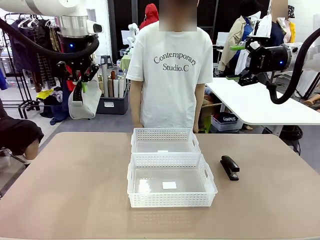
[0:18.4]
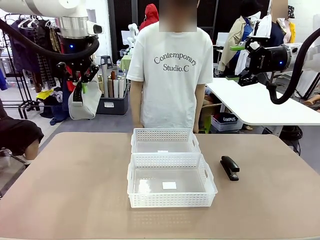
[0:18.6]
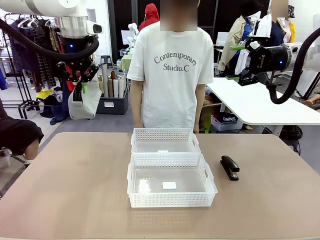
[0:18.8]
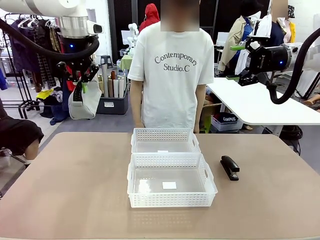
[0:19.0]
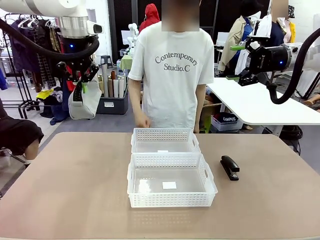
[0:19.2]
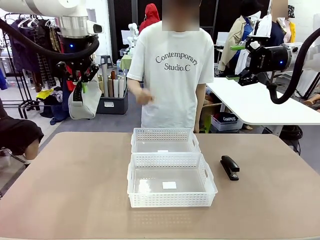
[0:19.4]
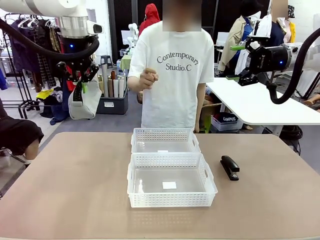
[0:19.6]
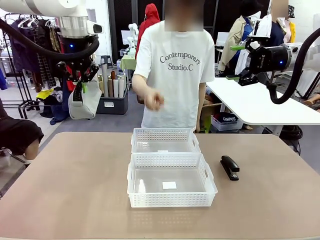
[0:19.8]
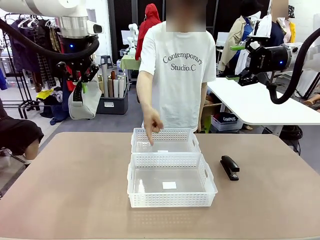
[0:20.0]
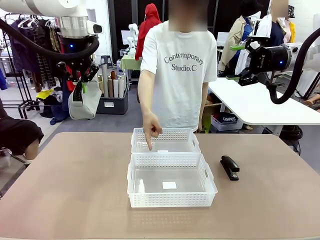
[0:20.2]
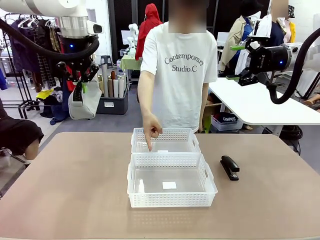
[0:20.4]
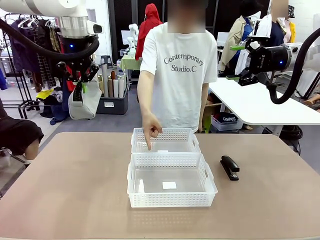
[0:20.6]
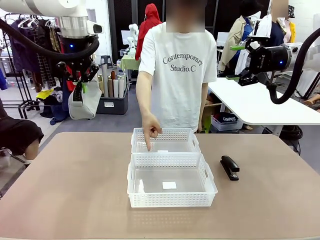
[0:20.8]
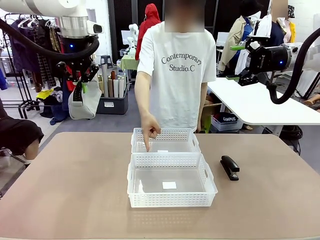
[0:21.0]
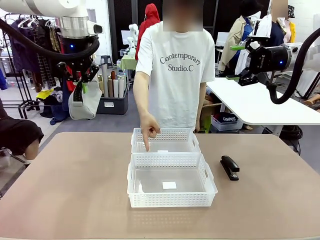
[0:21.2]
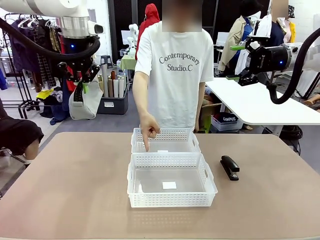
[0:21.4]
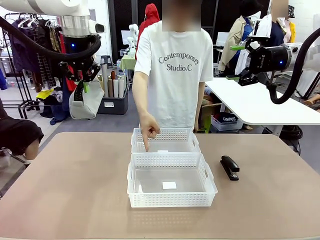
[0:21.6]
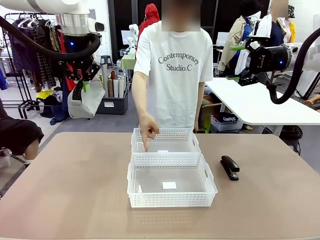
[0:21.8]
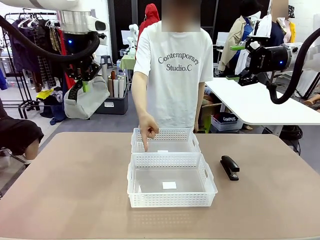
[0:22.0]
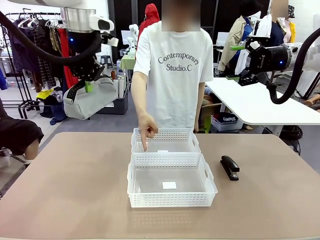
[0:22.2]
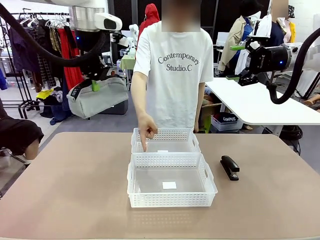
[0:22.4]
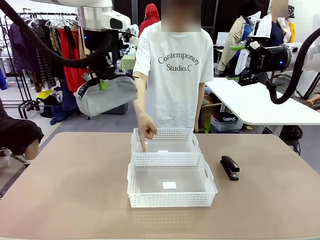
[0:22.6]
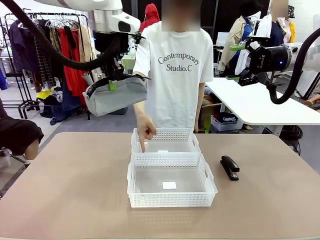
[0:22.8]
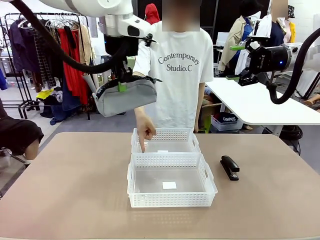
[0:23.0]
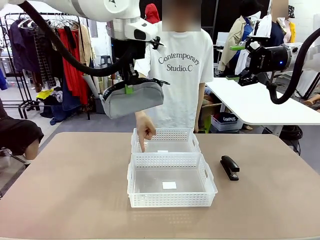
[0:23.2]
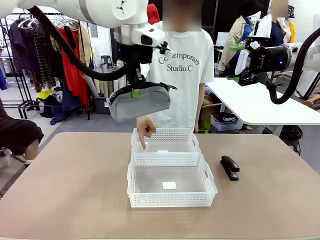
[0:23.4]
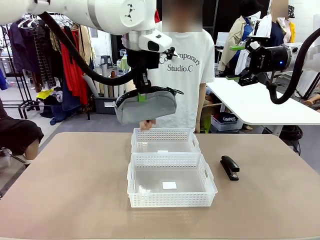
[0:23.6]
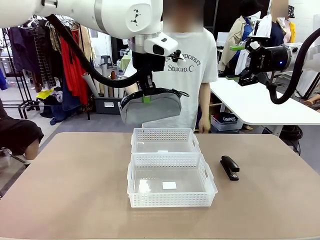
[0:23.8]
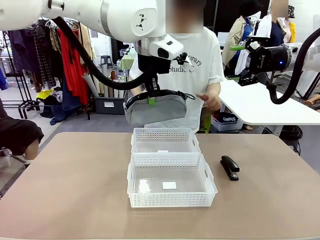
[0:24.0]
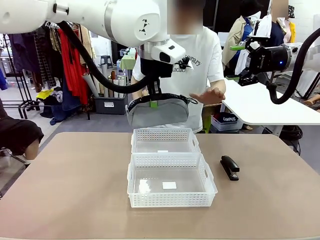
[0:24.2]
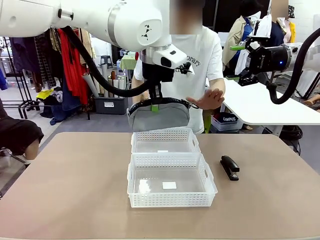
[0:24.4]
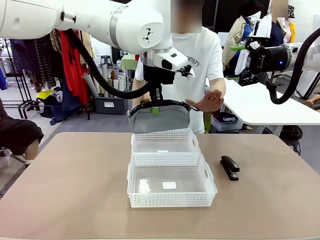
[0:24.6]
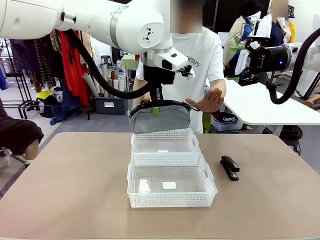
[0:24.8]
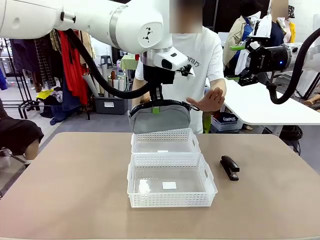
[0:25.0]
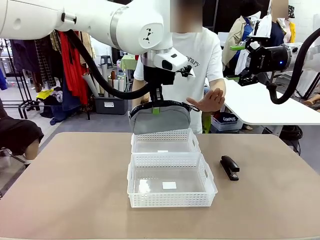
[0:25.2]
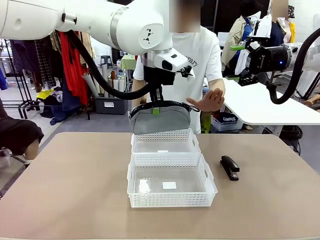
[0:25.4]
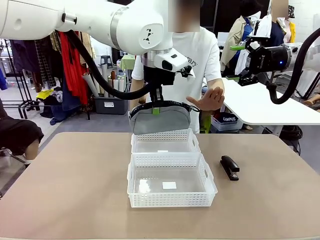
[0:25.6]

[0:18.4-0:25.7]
Task: Distribute items into two baskets.
Robot: Move the picked Pencil pouch towards the Organizing basket indicated by the person, stopping as directed.
Person: Sends a stop gesture before the robot places the pencil case into the basket.

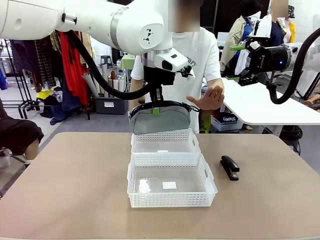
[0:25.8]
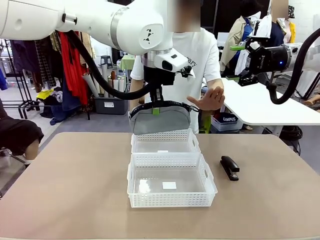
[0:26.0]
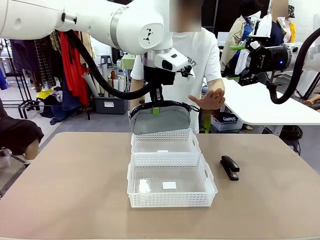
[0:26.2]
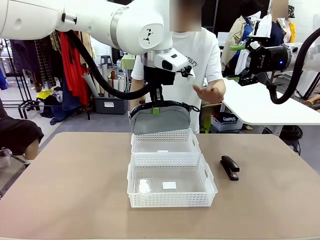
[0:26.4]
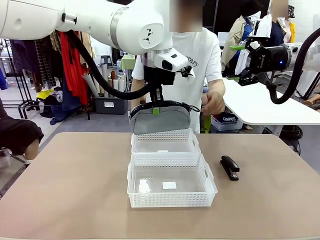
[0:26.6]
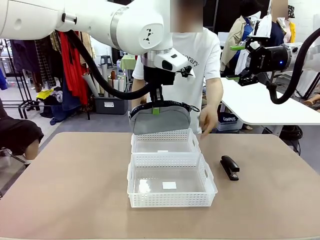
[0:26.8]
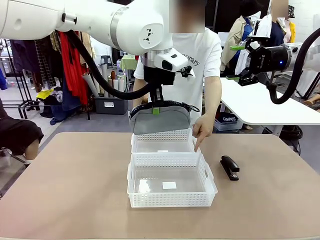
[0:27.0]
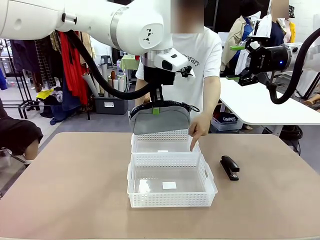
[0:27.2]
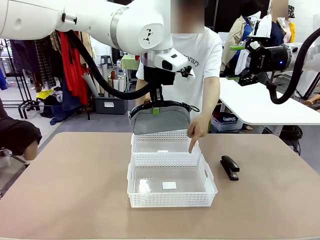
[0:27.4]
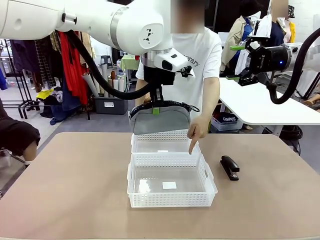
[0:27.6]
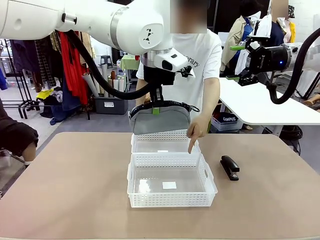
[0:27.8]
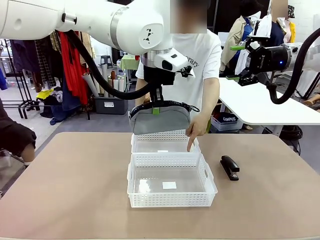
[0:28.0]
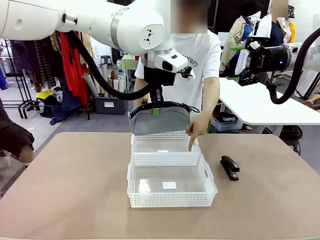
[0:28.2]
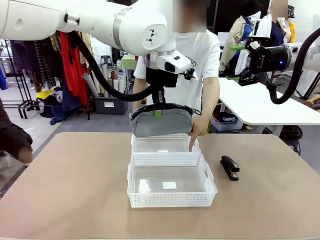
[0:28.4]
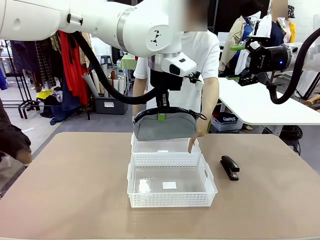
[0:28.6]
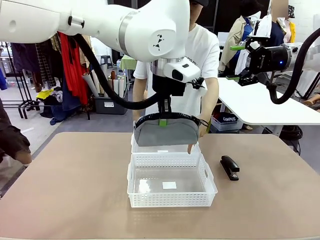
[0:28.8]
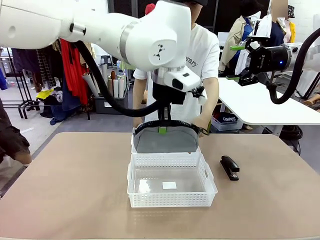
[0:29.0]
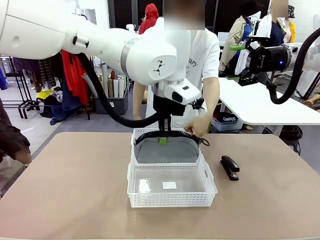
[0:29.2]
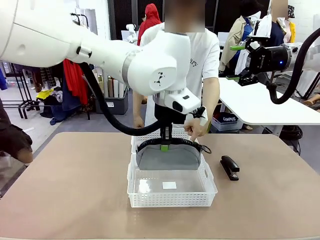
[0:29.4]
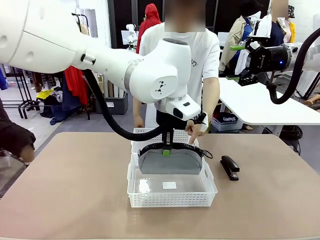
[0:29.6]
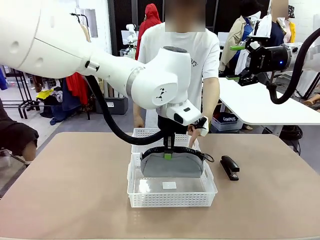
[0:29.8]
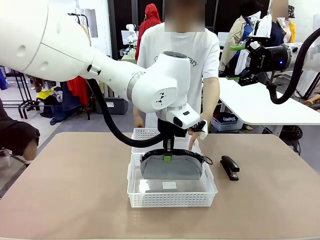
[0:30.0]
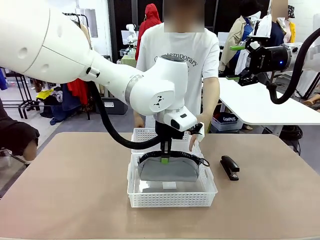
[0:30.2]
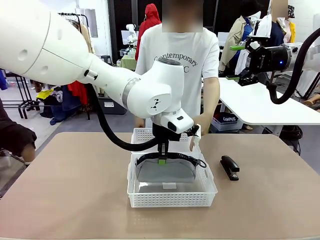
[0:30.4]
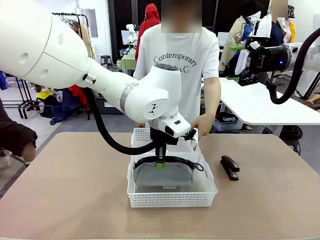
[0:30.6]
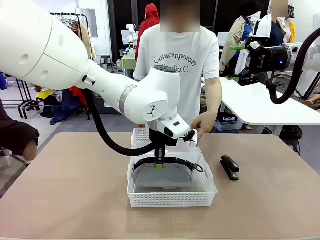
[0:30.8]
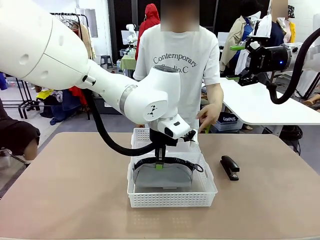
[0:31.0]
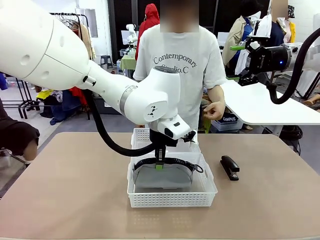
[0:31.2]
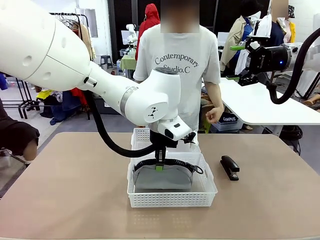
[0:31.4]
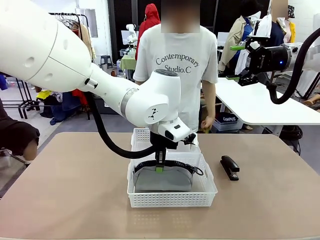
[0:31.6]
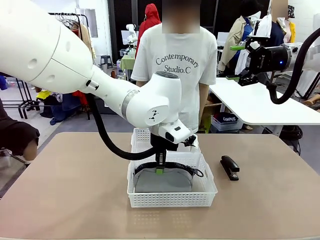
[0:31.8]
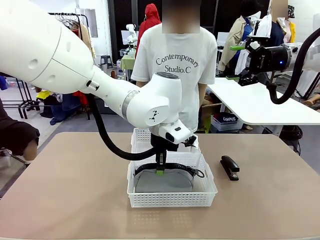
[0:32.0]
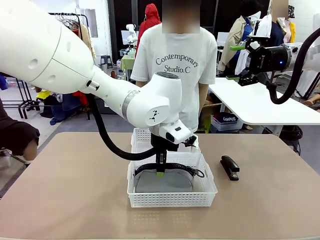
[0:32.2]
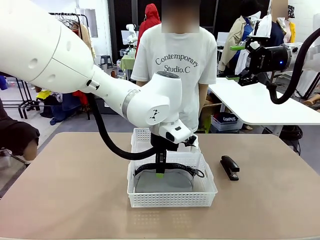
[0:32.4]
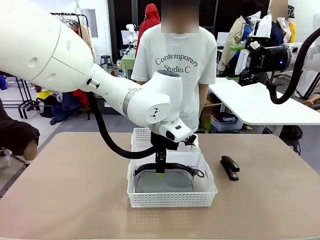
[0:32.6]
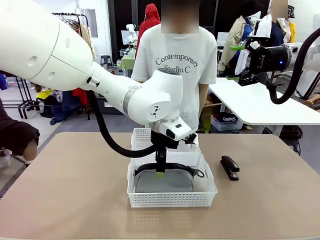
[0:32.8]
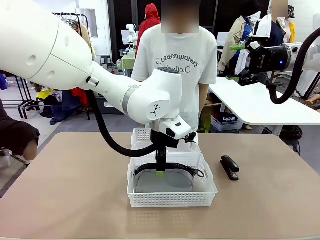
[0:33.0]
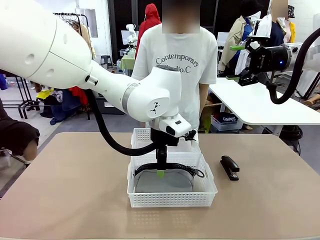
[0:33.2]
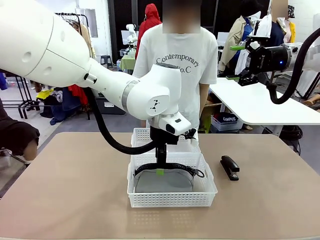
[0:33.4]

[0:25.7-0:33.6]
Robot: Place the picked Pencil pouch into the Organizing basket as instructed by the person.
Person: Instructs the robot to place the pencil case into the opposite basket.
